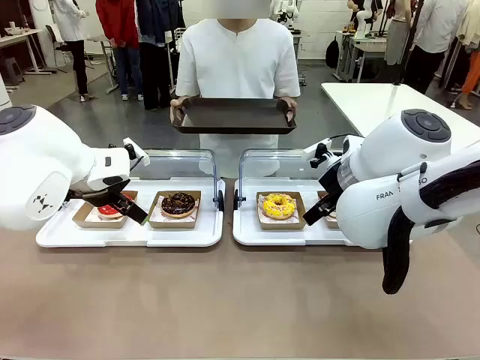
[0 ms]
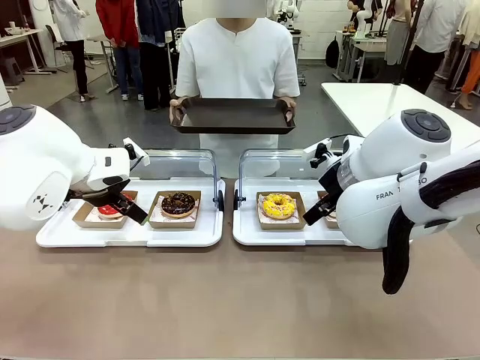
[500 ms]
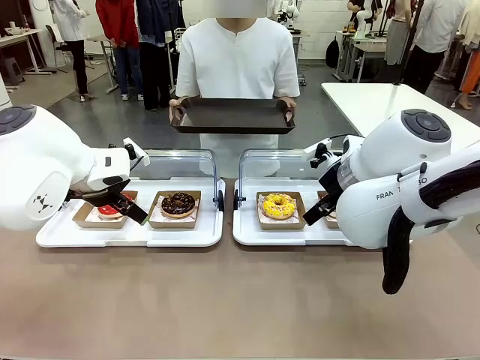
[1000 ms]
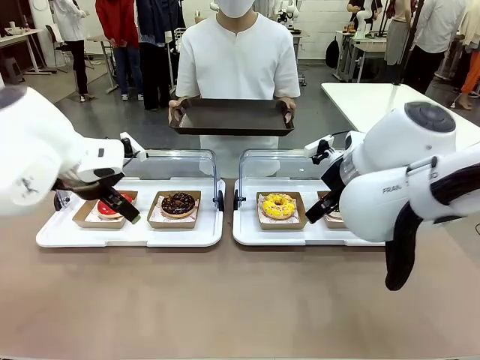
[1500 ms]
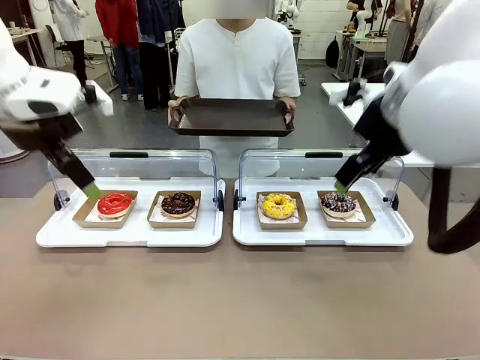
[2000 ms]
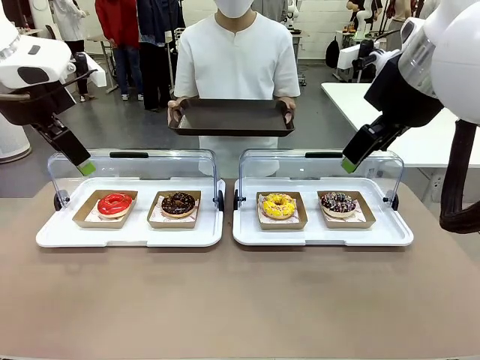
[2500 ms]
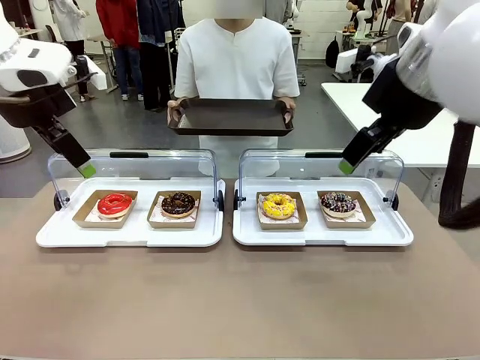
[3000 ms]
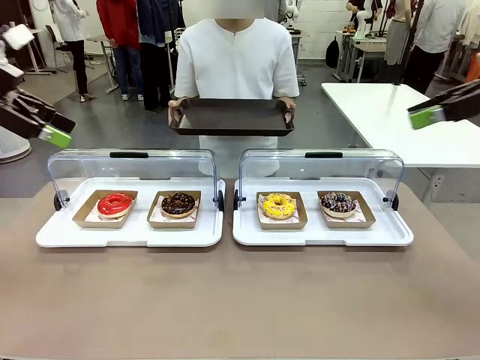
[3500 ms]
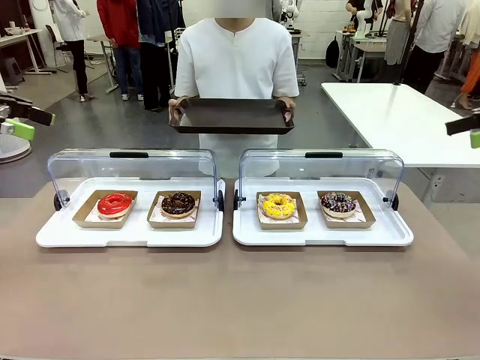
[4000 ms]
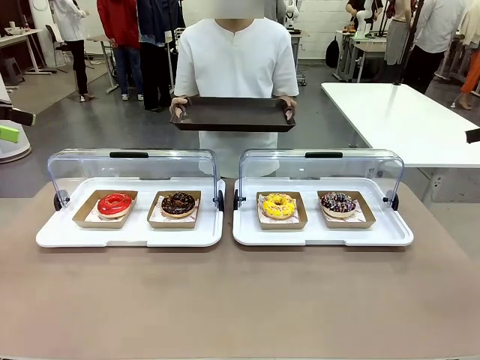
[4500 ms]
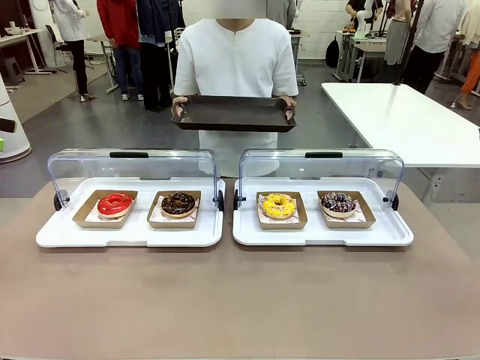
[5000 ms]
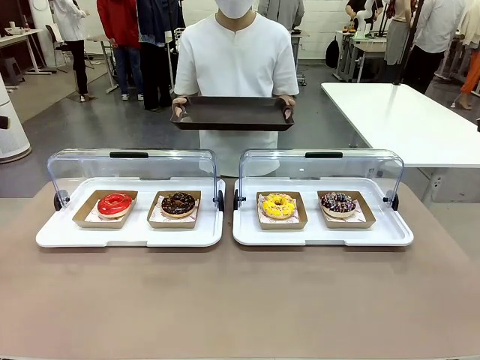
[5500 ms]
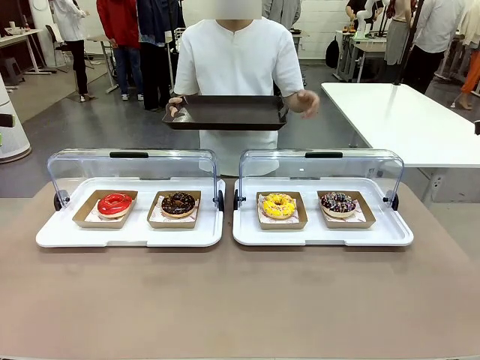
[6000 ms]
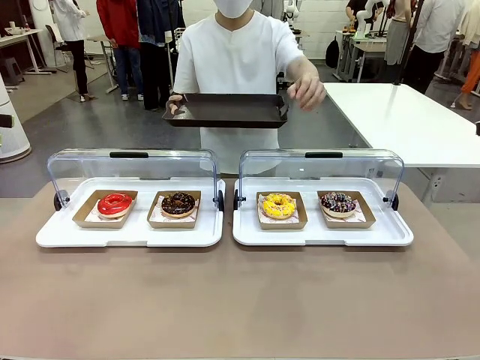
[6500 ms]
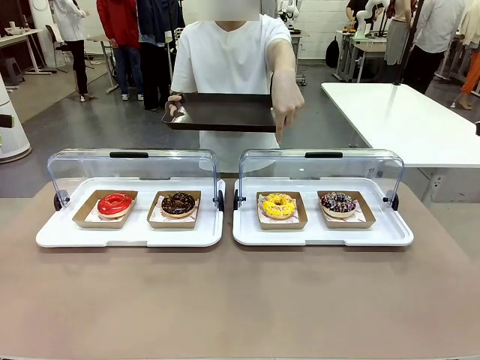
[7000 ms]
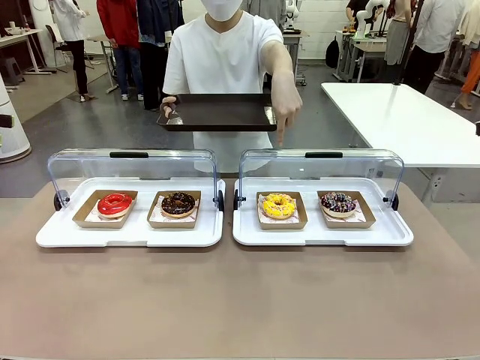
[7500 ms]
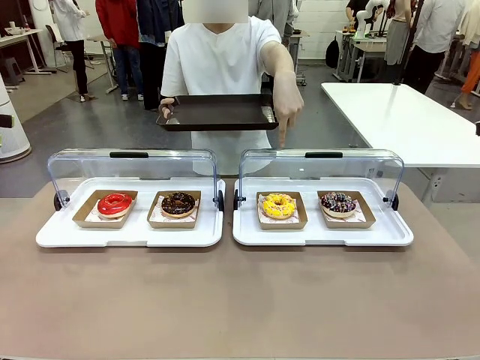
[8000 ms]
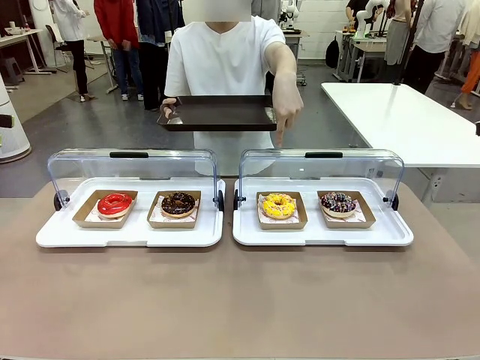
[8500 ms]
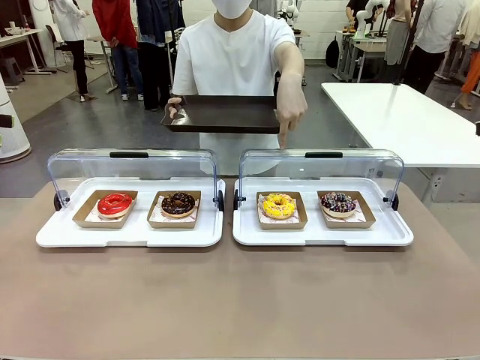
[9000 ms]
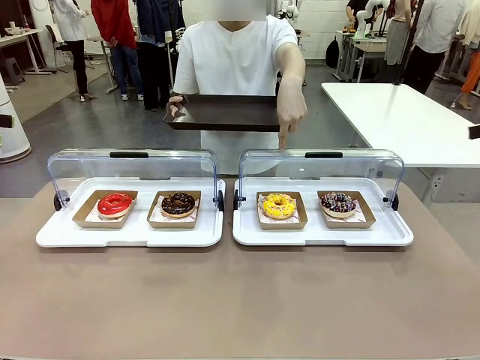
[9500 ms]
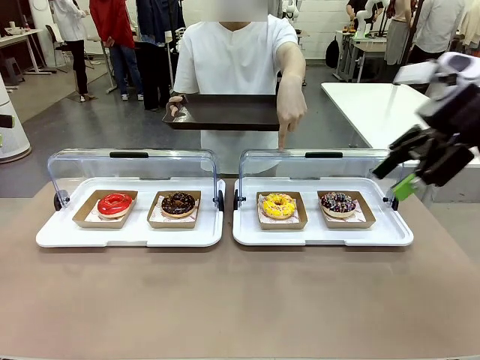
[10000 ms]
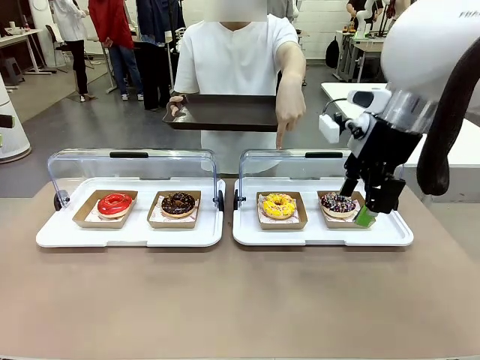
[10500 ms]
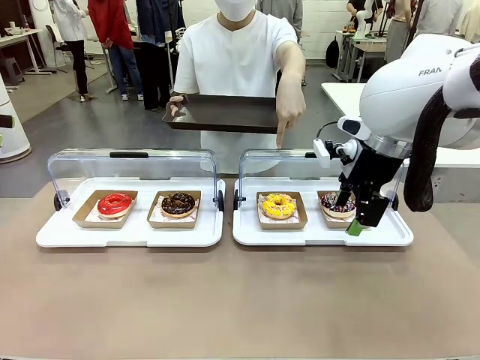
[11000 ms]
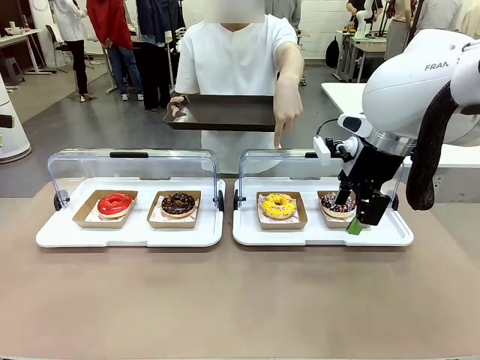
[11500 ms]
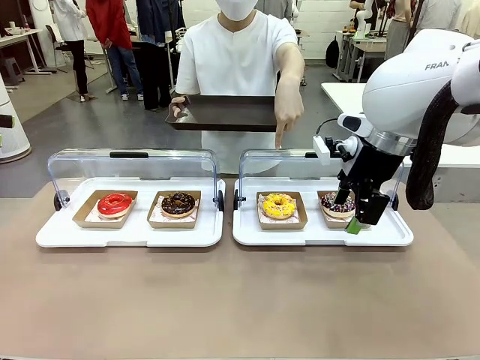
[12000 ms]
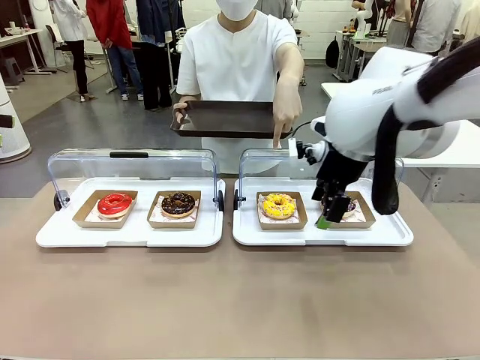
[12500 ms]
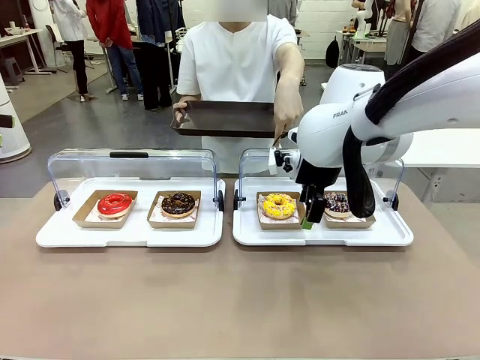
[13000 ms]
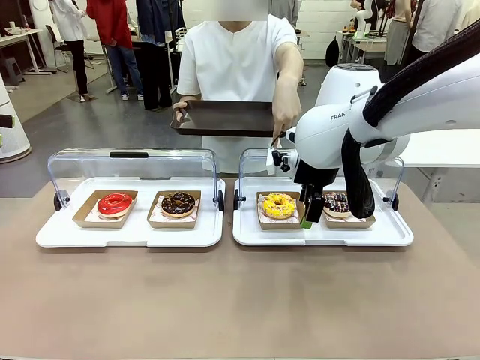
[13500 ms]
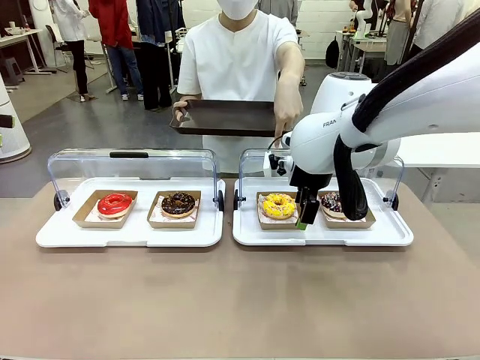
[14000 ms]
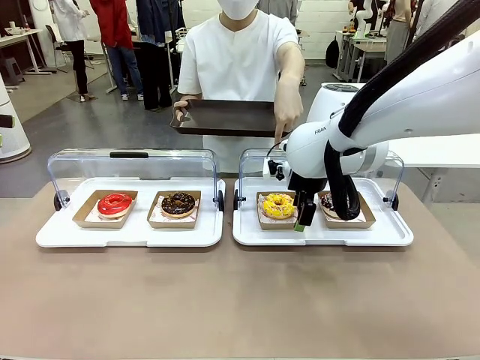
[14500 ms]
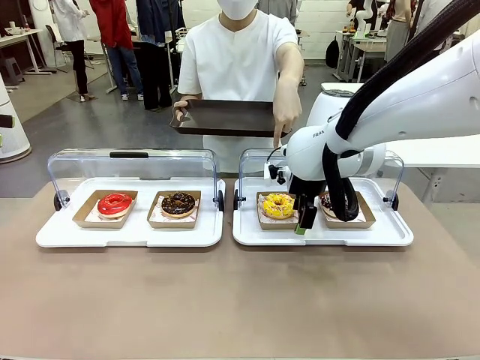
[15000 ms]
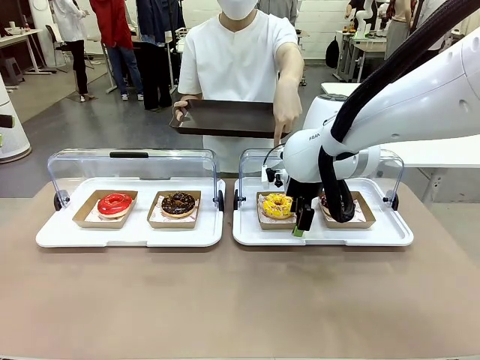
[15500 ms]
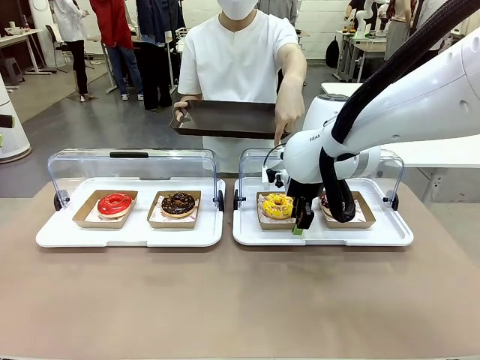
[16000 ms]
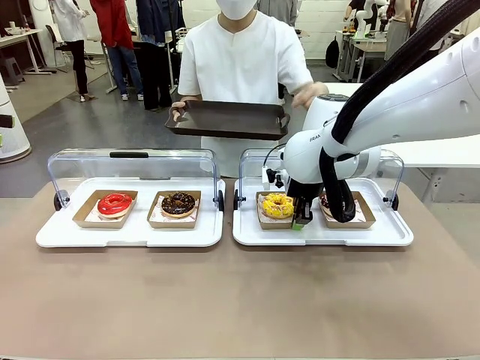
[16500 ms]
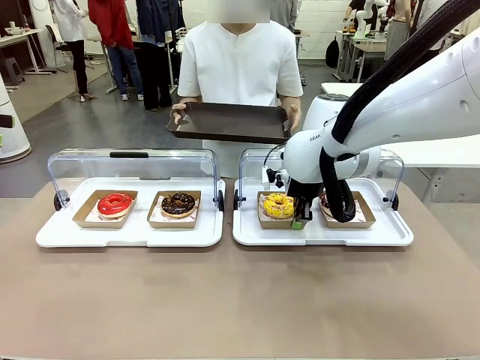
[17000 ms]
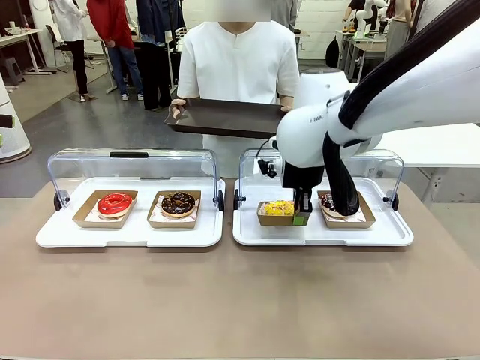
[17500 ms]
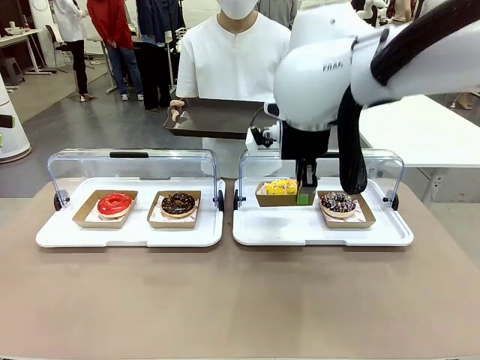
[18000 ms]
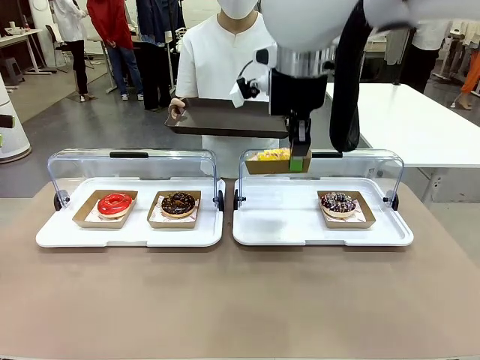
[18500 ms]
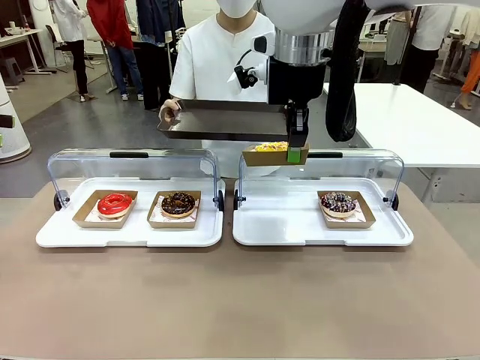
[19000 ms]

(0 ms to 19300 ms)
Task: Provide the desired donut to the person.
Robot: Pick up and lift the Paper togo box containing the Donut pointed at by the person.
Person: Point to one donut. Lift the tray onto the Roll-Top Bakery Case.

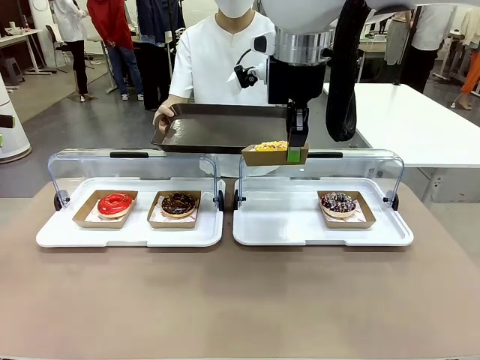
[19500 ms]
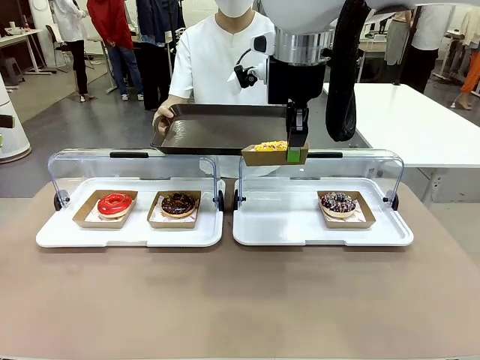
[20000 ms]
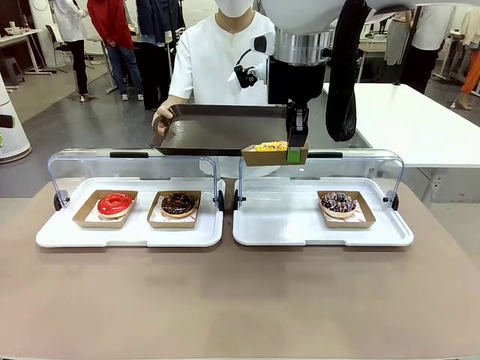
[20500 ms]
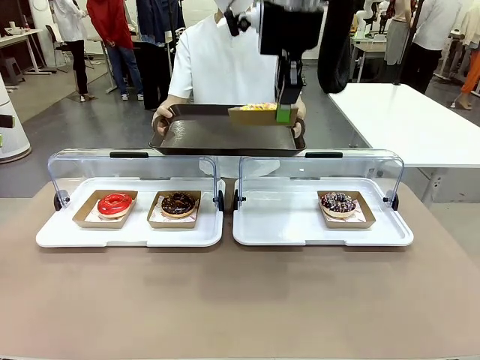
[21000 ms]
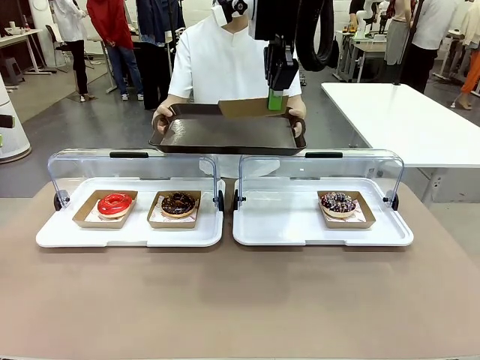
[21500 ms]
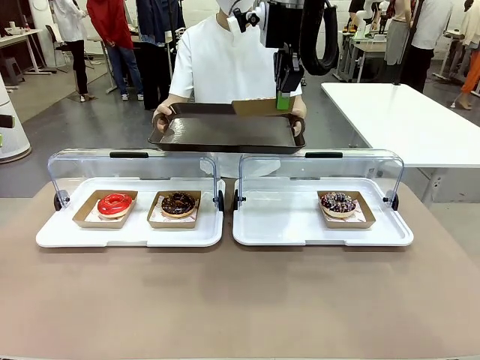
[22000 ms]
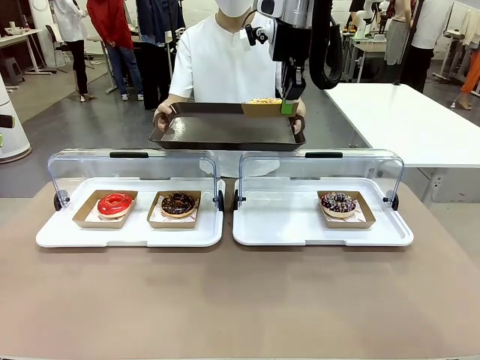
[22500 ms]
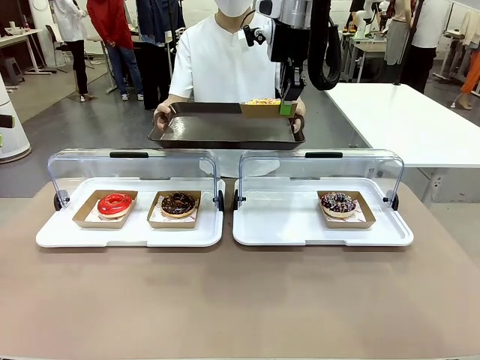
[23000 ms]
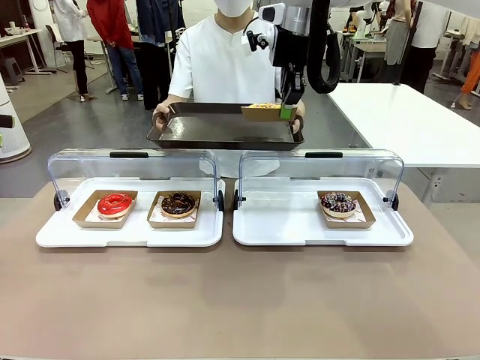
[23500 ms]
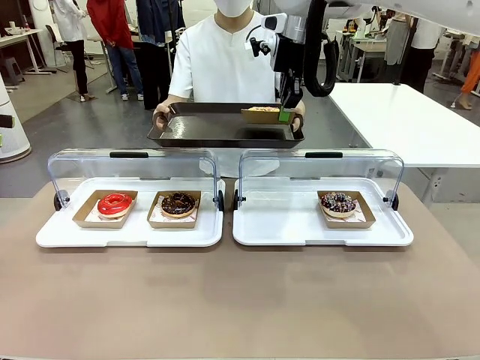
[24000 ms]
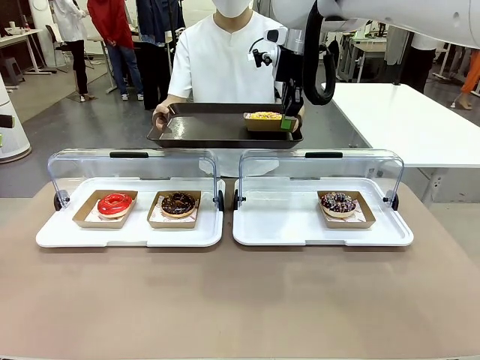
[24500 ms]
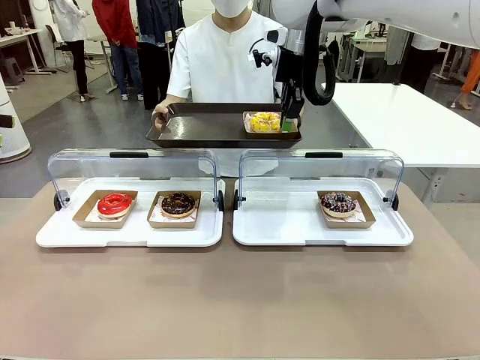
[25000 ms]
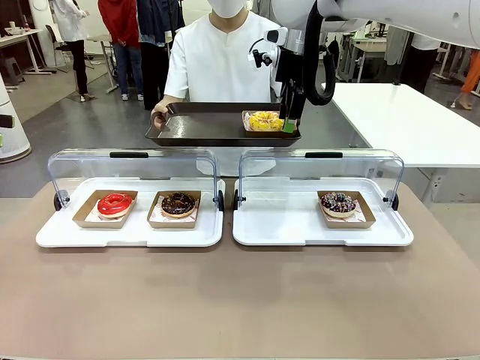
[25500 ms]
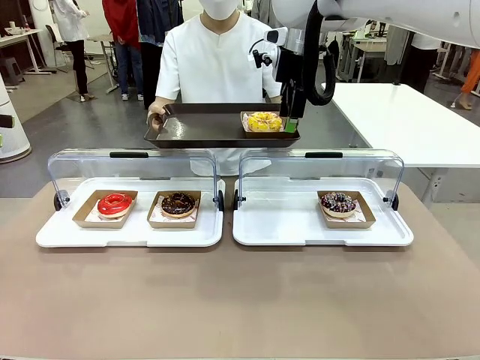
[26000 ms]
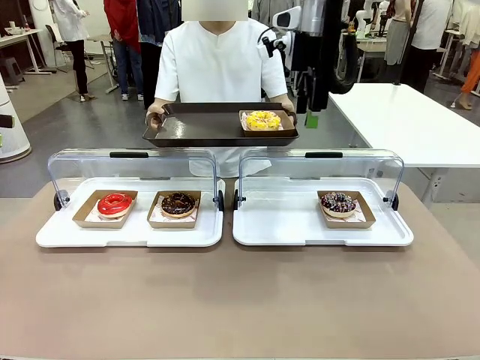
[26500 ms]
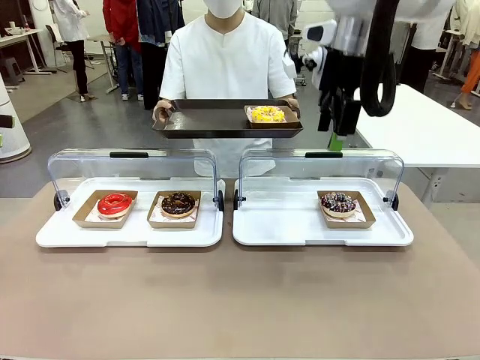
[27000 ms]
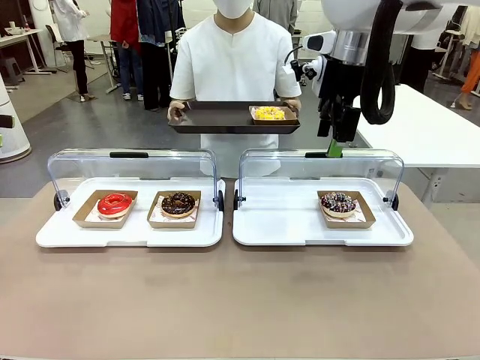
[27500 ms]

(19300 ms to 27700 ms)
Robot: Place the picked Paper togo box onto the Handle tray extended by the person.
